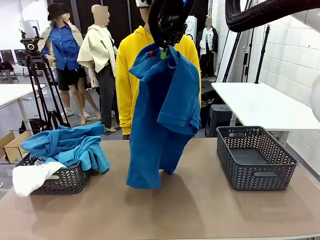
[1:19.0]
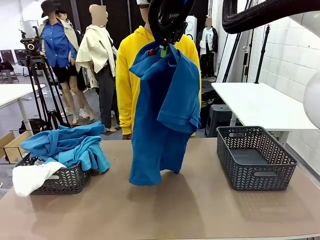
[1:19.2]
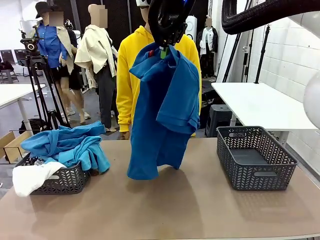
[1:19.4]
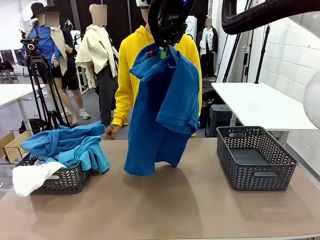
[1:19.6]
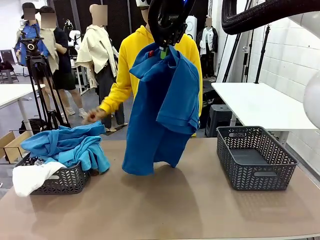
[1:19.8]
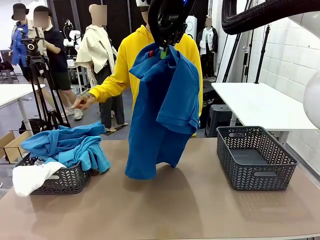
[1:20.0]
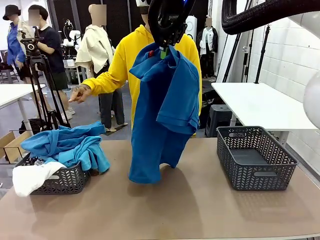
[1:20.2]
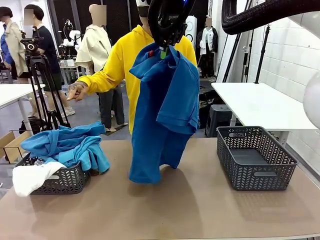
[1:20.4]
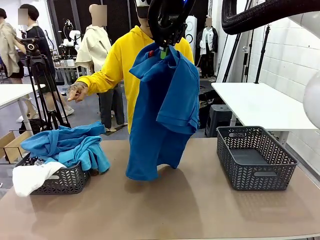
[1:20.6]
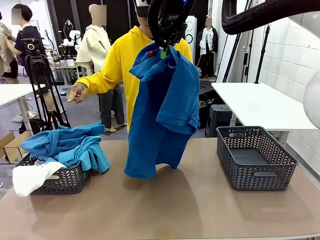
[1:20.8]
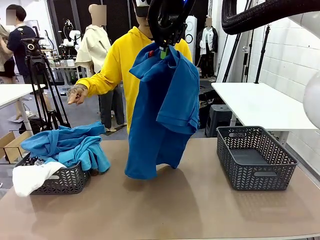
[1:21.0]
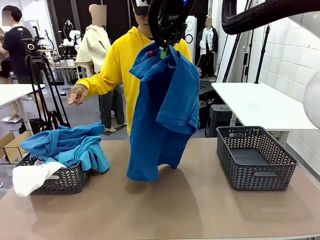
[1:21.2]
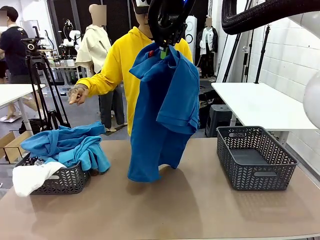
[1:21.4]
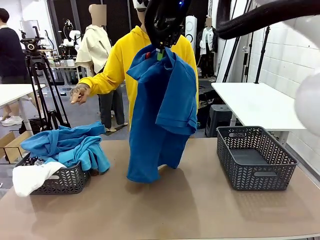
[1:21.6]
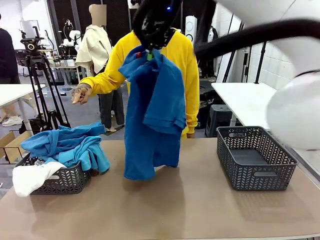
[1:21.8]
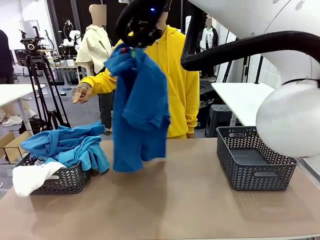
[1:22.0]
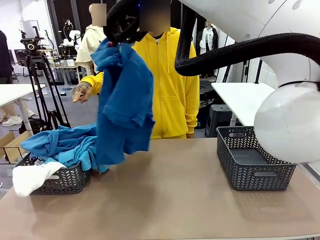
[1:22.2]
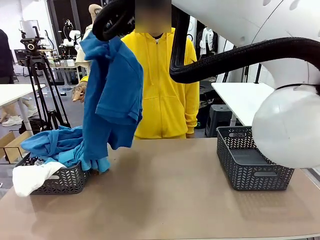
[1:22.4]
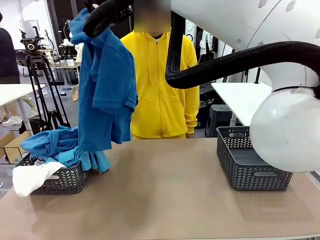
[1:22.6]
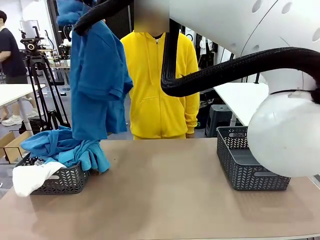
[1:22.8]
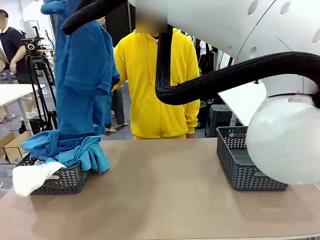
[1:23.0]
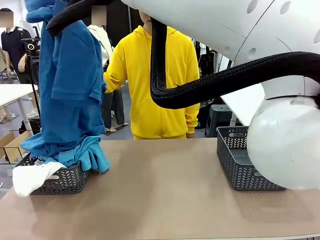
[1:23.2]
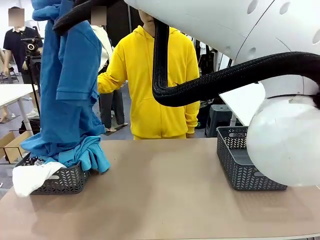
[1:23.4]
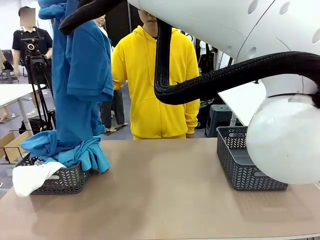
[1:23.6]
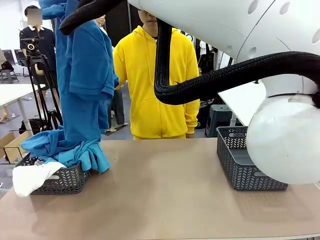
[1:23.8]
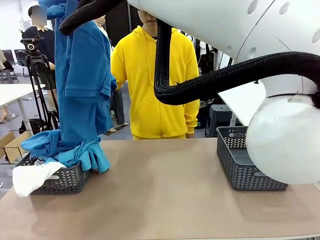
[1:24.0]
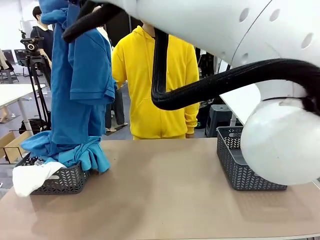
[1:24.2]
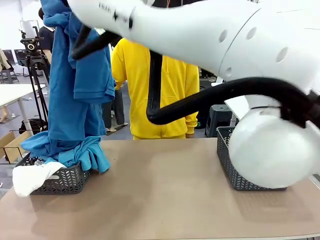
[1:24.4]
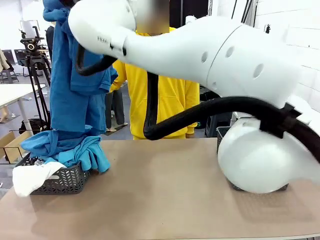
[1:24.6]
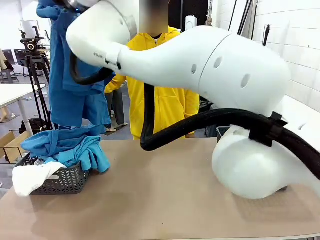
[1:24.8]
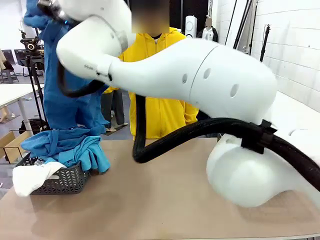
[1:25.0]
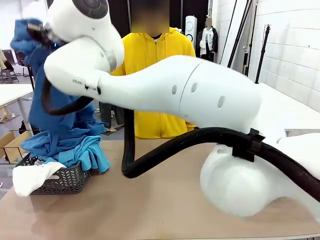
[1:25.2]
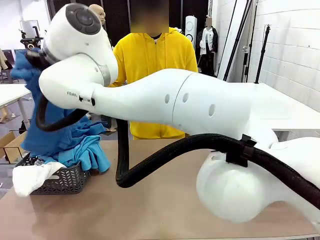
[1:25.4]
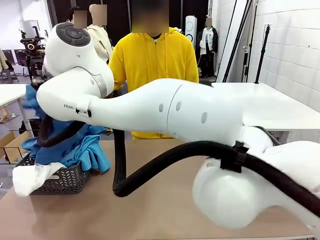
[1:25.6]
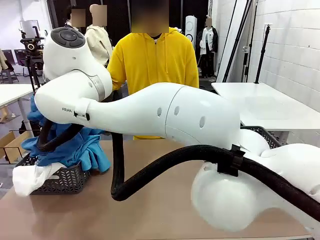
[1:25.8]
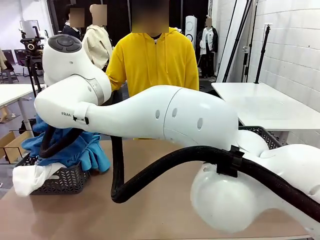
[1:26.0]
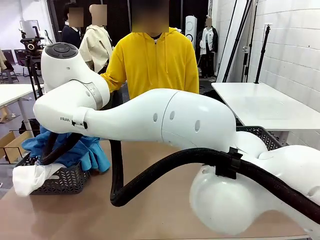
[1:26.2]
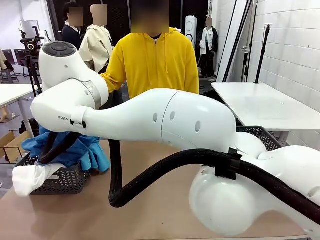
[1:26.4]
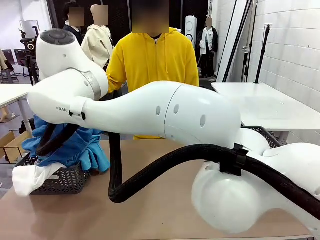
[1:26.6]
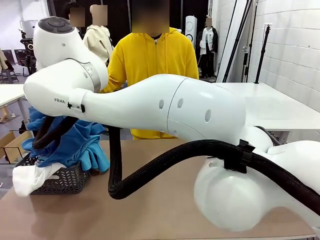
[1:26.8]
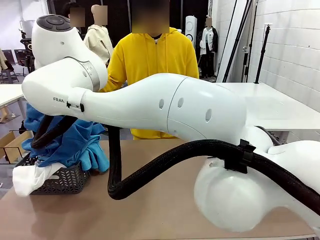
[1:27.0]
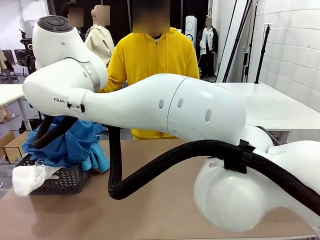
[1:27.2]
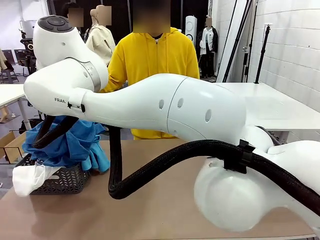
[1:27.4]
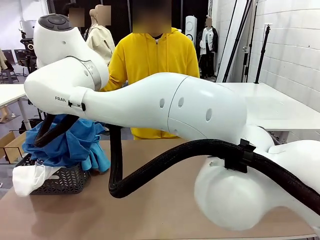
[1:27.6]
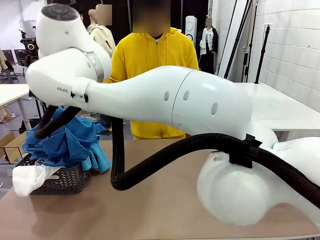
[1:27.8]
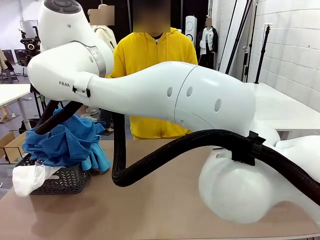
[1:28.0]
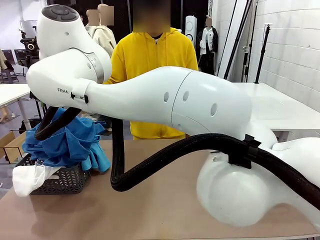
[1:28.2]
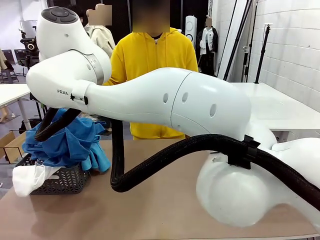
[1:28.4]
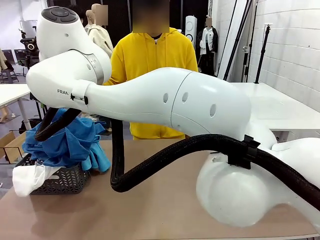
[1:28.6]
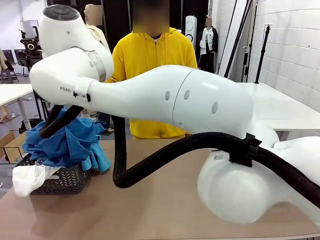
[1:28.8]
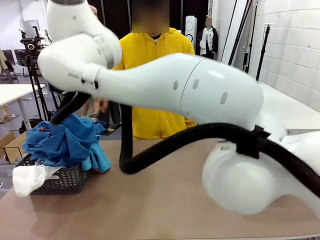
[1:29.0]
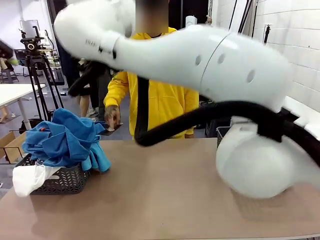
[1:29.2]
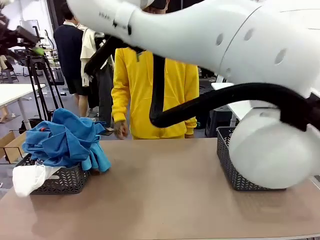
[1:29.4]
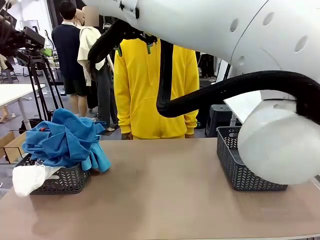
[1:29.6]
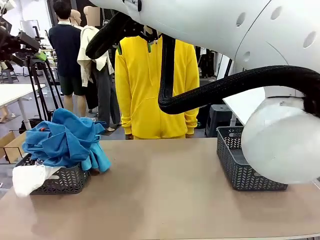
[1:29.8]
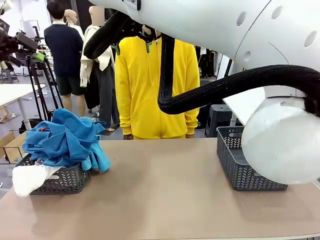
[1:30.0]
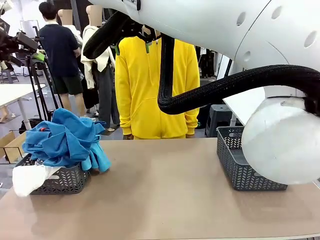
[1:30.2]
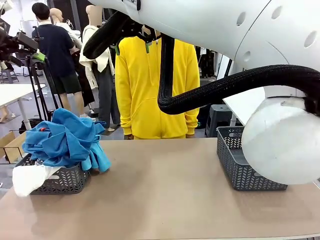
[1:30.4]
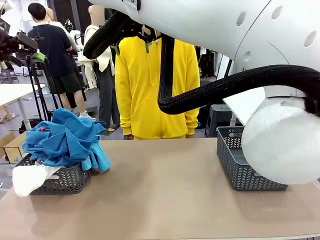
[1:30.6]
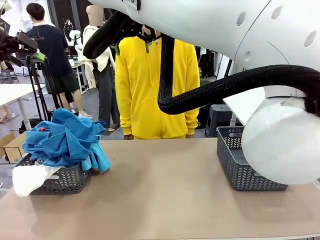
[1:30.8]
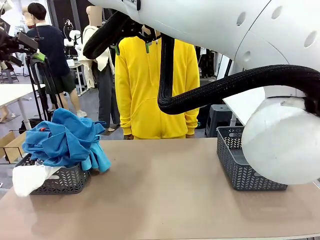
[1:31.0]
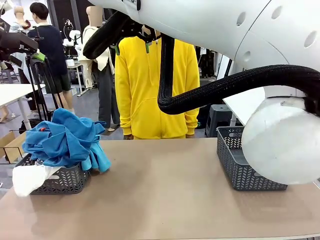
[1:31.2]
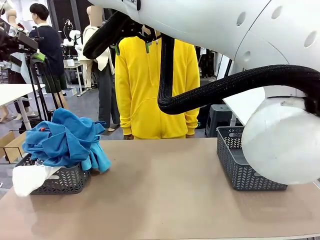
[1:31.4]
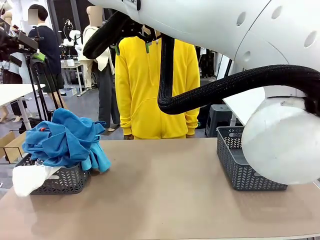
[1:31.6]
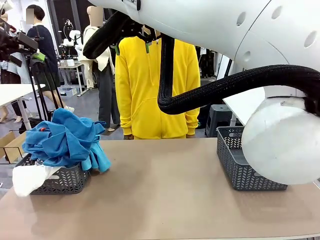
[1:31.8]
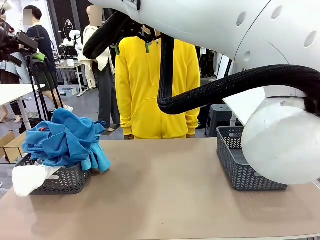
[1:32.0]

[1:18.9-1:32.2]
Task: Sort the tops and bottoms.
Robot: Sort the clothes according to human instructions.
